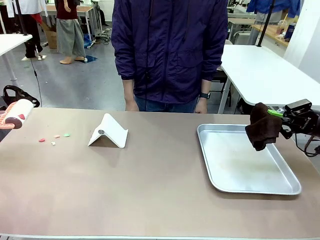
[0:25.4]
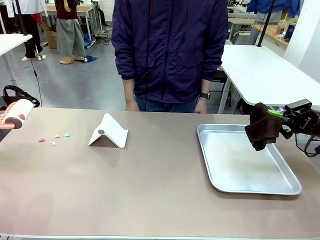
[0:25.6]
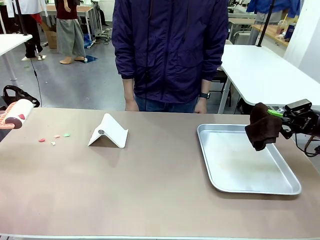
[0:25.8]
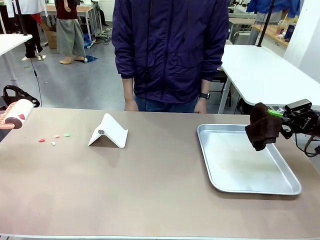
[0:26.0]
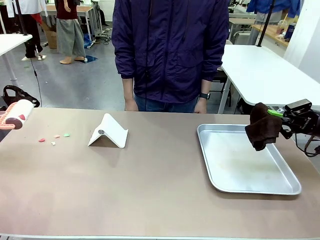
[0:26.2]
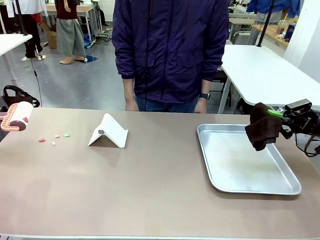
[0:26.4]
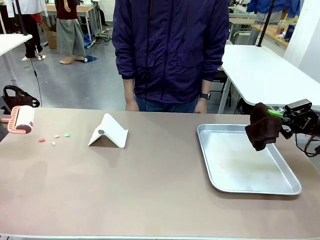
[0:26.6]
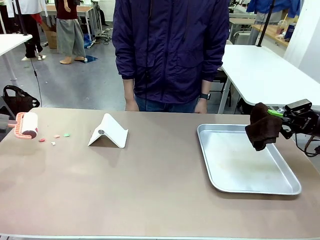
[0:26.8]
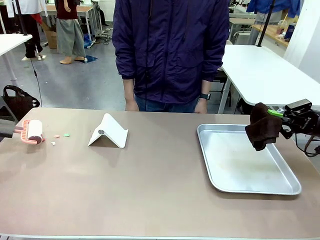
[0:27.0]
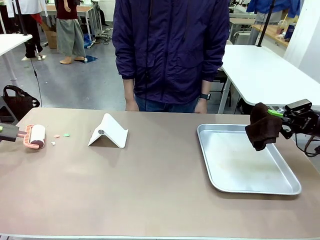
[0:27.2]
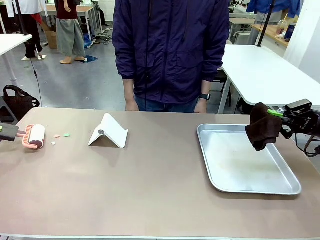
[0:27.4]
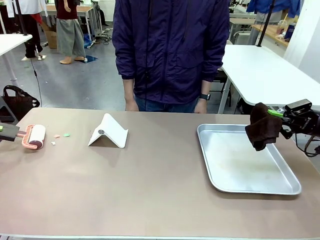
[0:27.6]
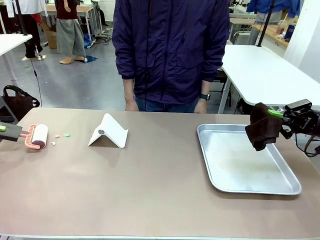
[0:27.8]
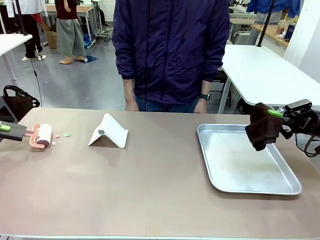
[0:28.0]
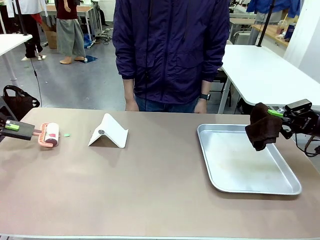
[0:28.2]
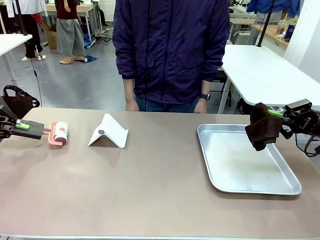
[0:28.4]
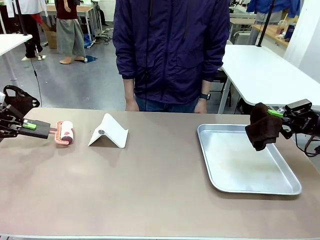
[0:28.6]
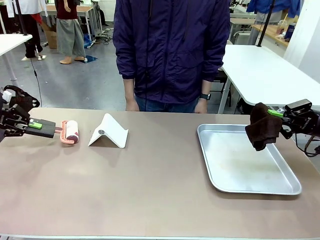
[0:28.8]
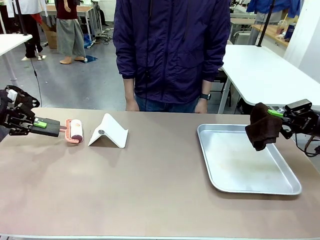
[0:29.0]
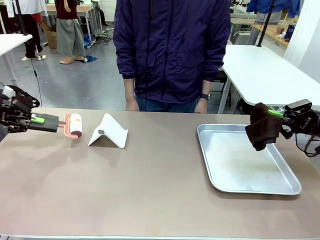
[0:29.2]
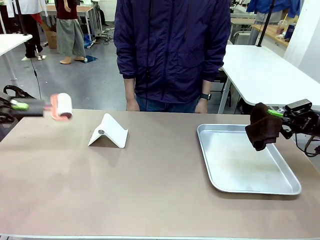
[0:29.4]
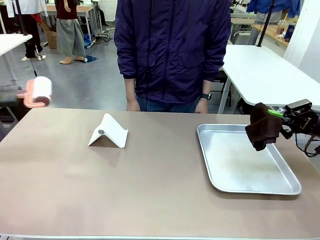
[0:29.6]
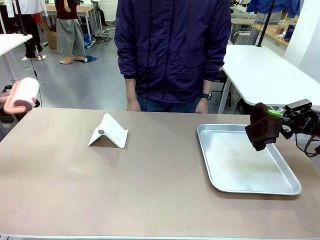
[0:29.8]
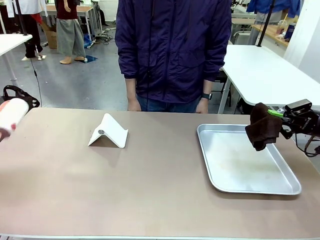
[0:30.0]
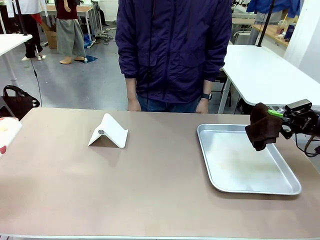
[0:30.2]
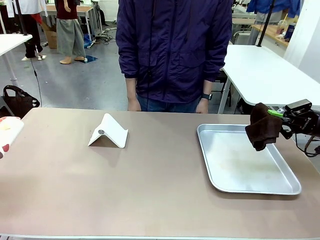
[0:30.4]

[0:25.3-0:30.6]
Task: Clean the surface of the table.
Robot: Clean the area not pointed to by the person.

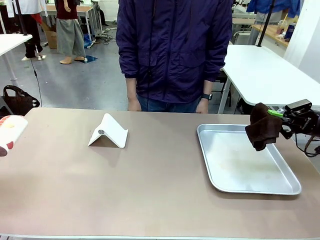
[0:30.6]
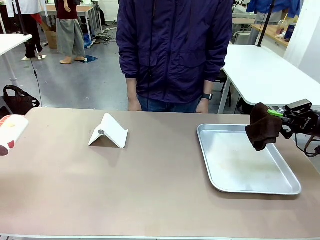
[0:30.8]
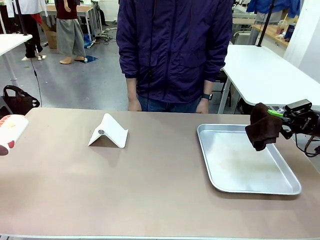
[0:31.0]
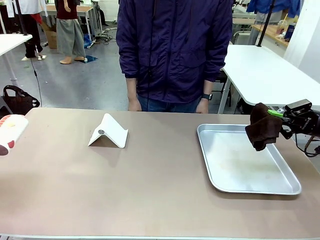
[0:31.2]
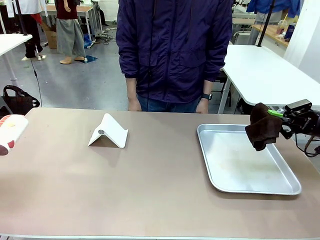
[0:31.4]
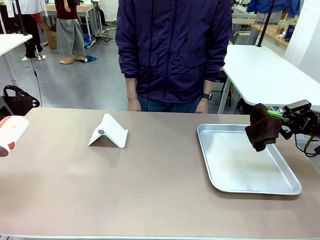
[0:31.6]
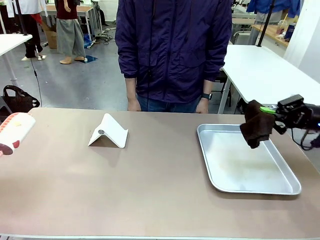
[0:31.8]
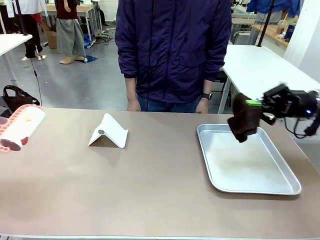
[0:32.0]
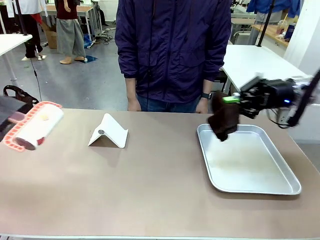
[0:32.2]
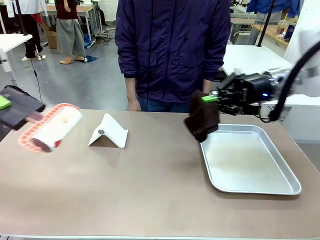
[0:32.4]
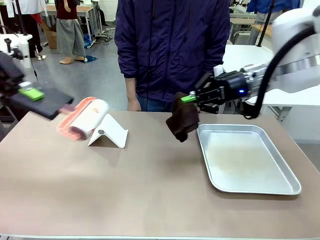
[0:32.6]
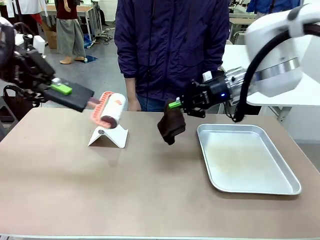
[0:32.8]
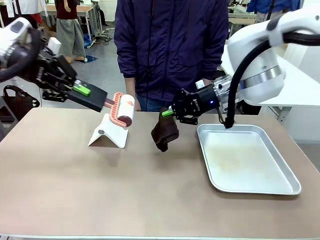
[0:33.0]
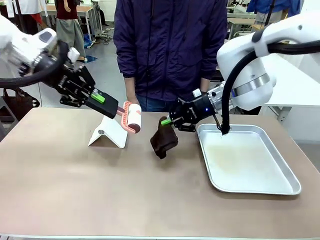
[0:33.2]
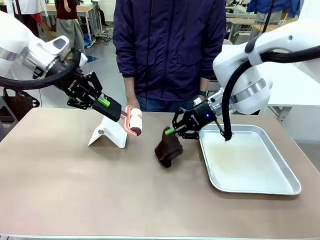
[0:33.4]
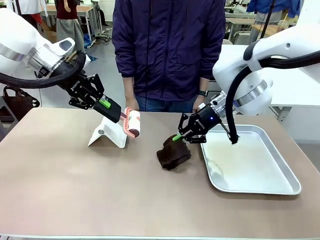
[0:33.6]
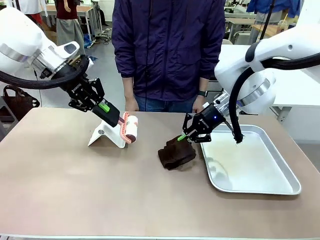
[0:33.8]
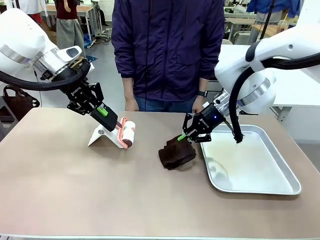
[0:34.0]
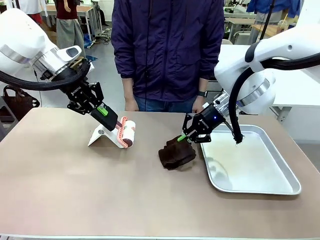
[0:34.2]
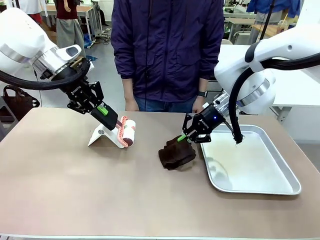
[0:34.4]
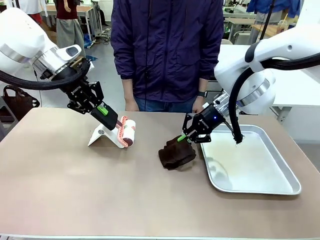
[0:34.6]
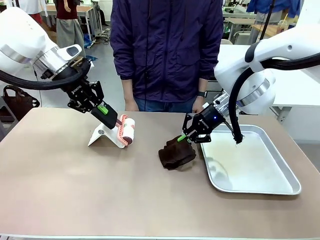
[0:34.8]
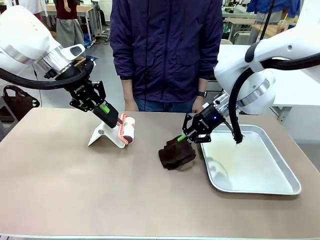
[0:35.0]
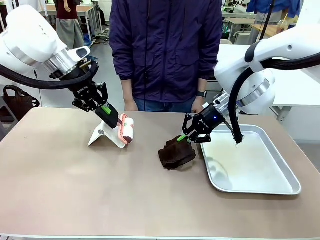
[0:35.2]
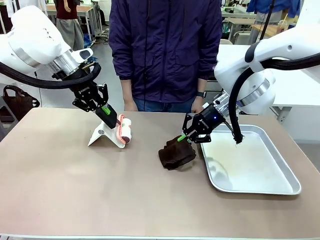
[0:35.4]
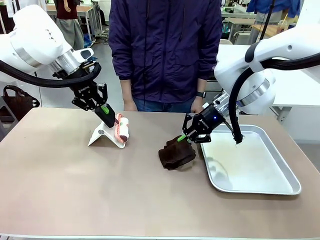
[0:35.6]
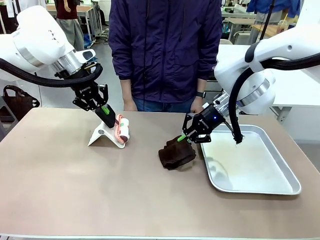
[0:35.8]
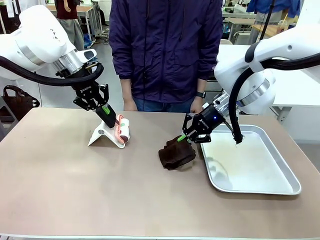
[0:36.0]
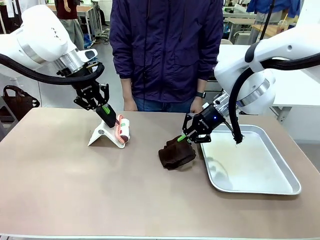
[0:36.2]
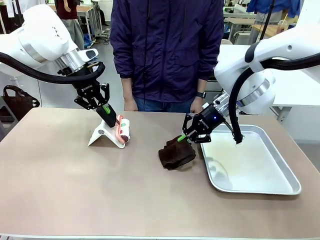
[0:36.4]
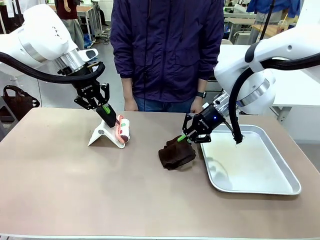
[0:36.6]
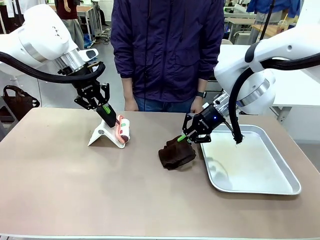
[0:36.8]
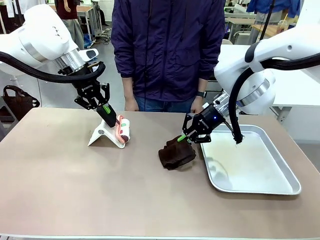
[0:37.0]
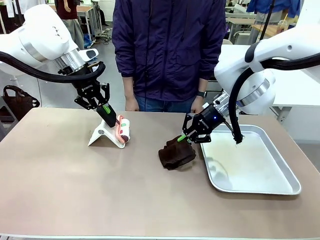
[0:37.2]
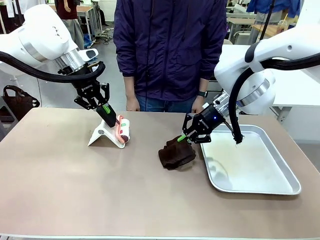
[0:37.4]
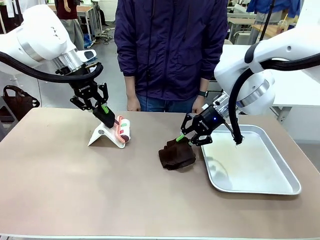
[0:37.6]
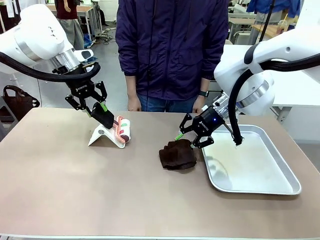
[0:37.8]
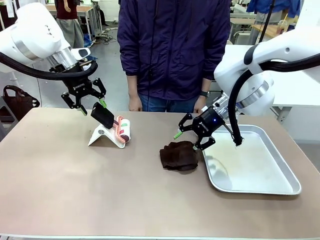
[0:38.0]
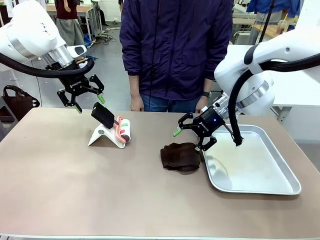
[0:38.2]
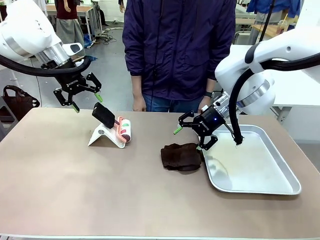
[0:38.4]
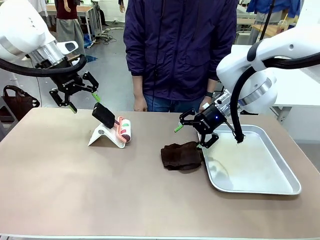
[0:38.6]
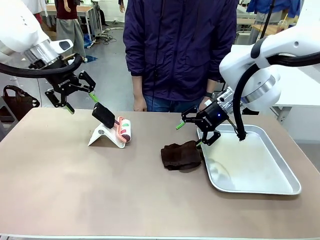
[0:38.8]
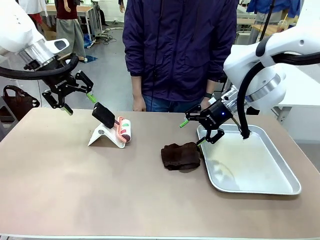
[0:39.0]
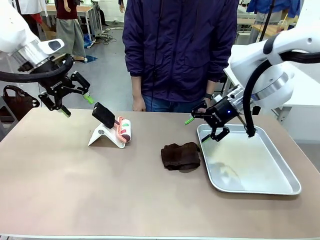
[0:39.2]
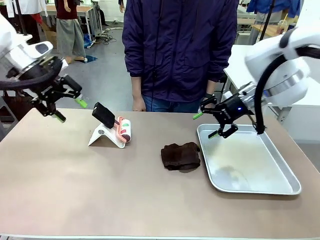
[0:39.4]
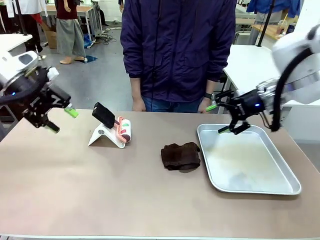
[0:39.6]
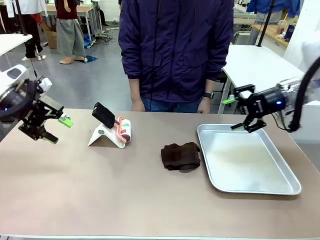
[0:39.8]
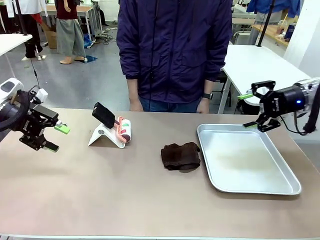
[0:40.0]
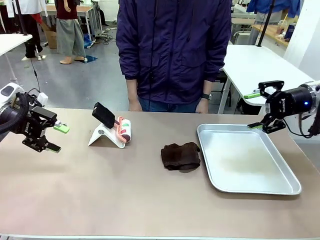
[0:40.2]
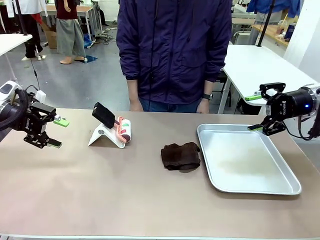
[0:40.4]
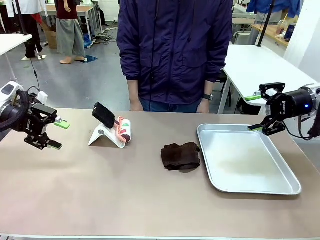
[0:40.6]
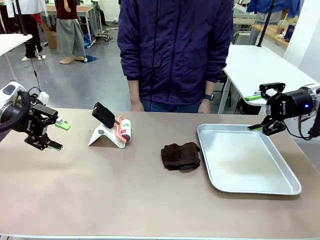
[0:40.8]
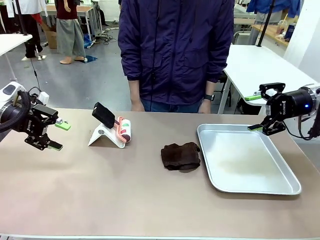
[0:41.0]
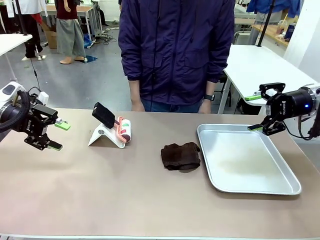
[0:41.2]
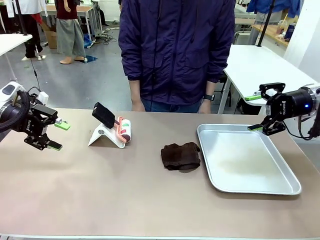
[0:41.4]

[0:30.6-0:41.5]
Robot: Return the Lint Roller and towel to their original positions.

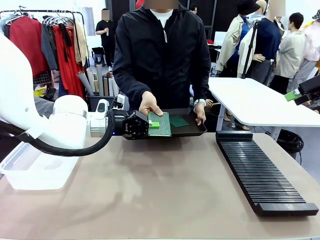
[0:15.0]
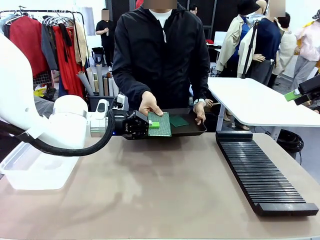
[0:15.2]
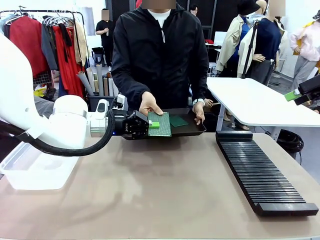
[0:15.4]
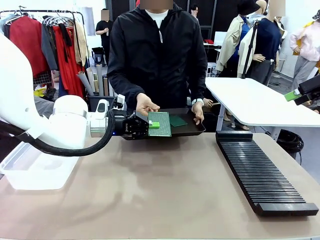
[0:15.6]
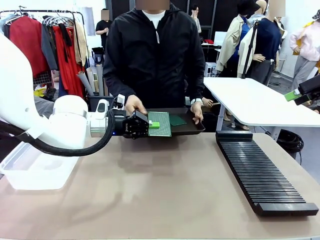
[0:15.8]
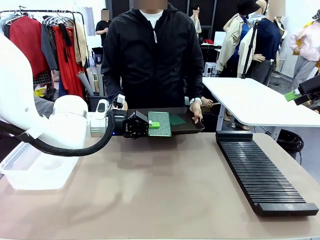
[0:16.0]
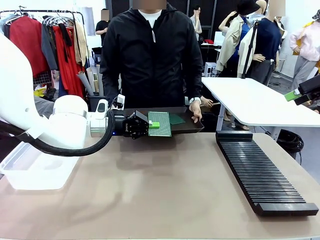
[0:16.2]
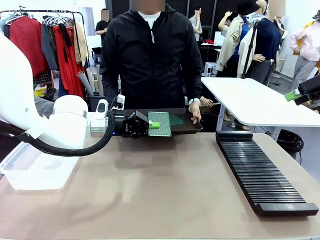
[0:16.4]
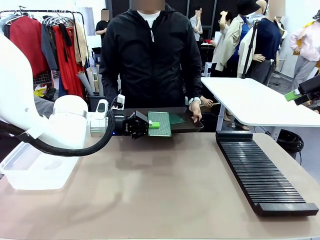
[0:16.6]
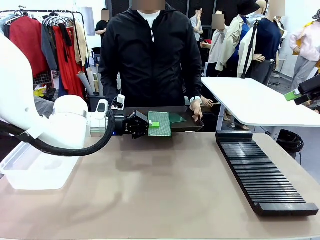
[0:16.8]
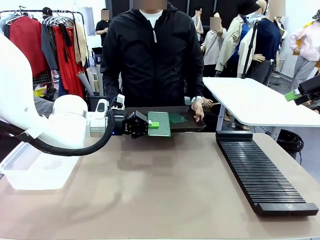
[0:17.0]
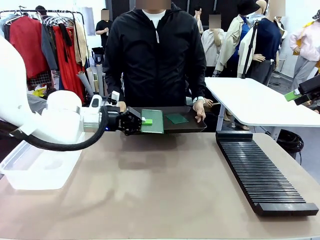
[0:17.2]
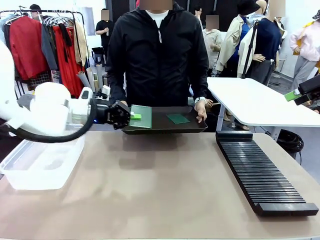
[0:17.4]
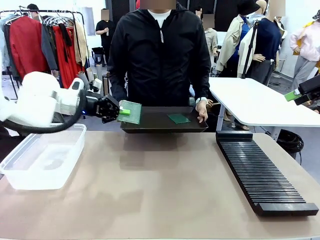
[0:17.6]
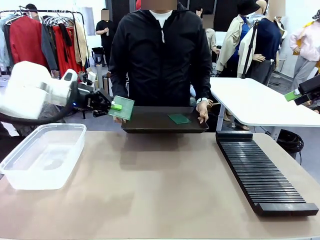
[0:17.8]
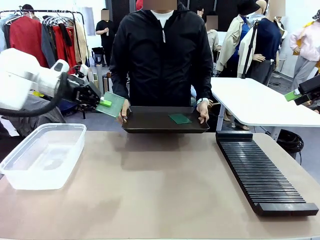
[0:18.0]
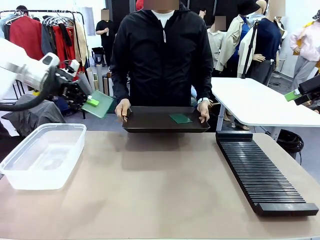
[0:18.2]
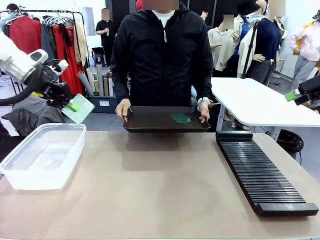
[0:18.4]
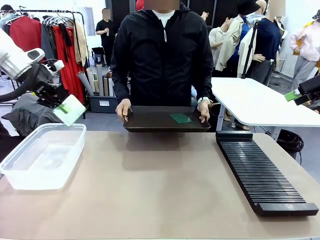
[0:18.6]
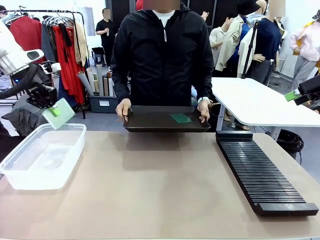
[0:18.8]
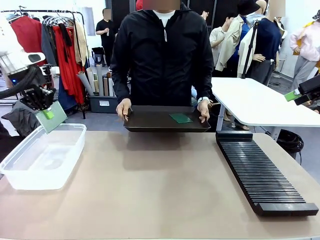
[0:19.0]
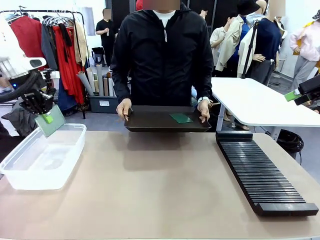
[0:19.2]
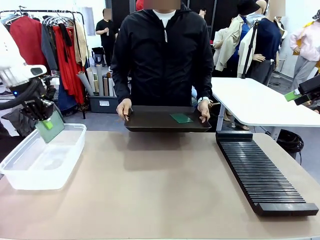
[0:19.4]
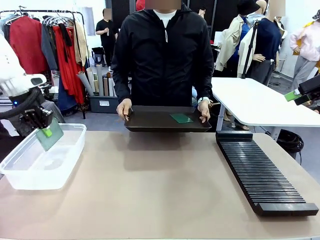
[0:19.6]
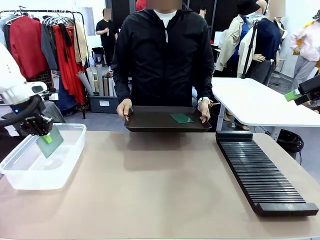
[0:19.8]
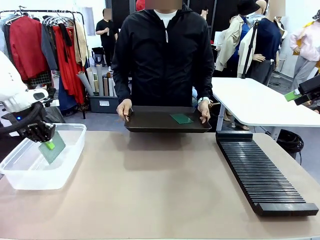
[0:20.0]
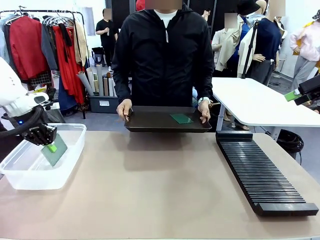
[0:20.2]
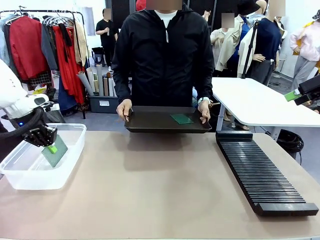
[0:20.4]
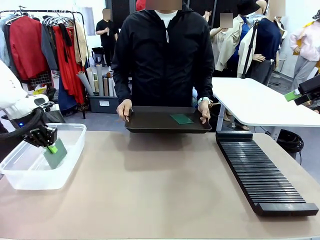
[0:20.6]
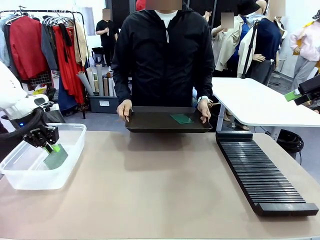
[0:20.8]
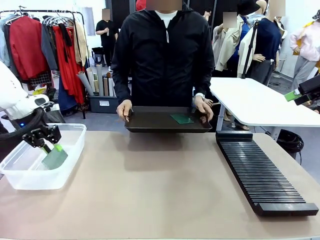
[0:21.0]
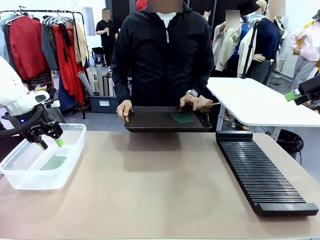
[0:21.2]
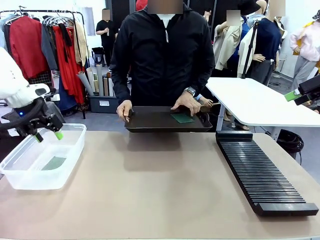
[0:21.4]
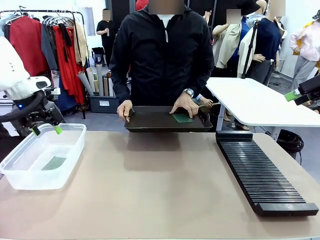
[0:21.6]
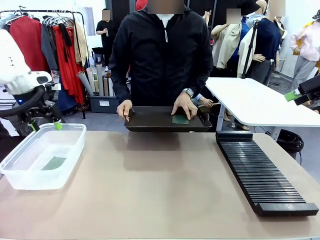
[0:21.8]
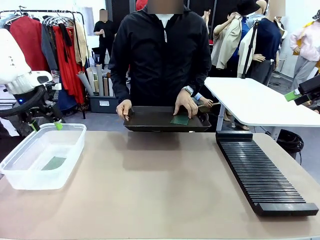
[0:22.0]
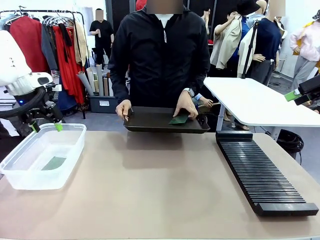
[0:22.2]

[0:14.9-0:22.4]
Task: Sort PCBs into racks and boxes based on the side picked up.
Robot: If the short side of the Blank PCB is picked up, insert it into the PCB Rack ; if the long side is picked up, place it in the Organizing box.
Person: Pick one PCB from the tray and present it to the robot.
